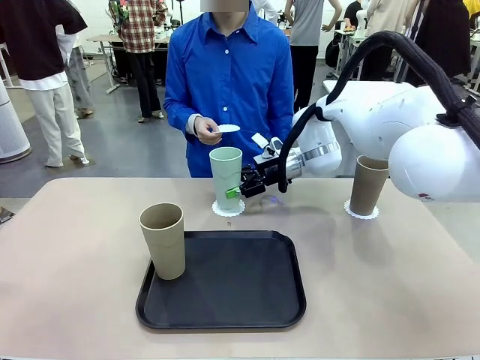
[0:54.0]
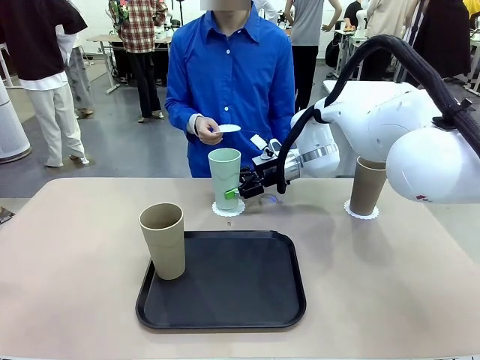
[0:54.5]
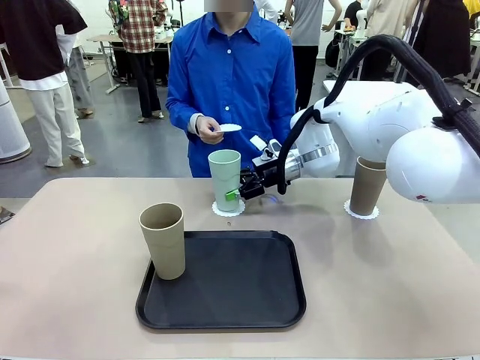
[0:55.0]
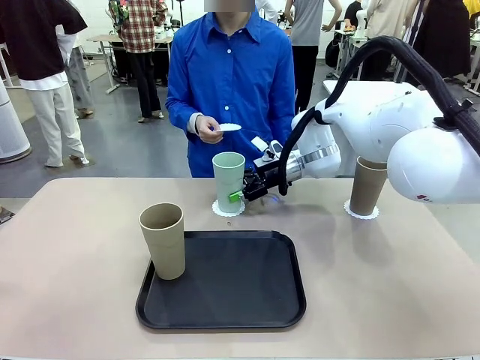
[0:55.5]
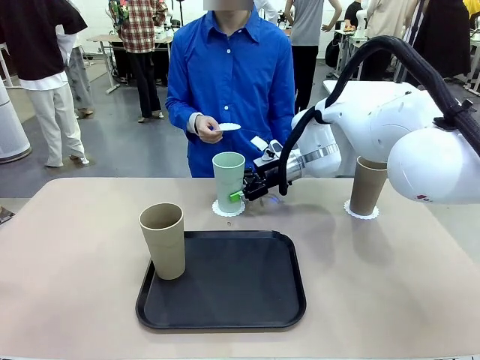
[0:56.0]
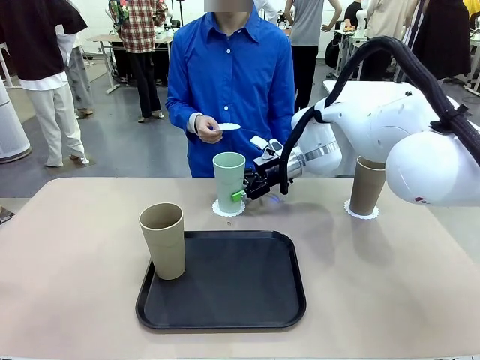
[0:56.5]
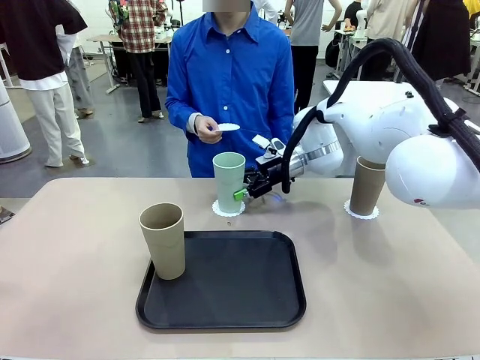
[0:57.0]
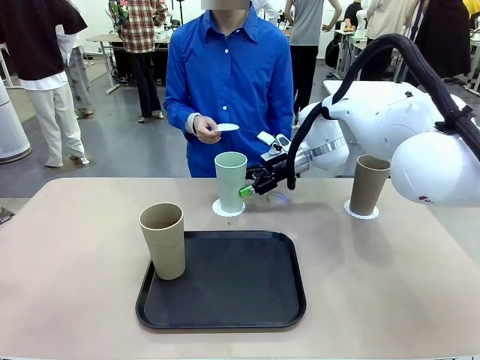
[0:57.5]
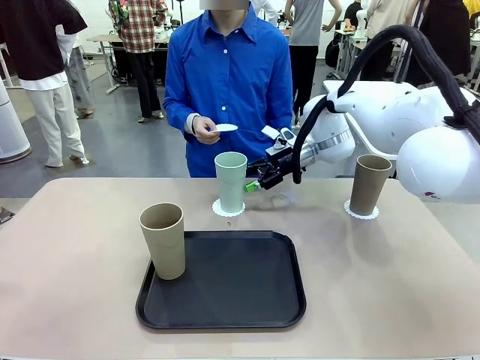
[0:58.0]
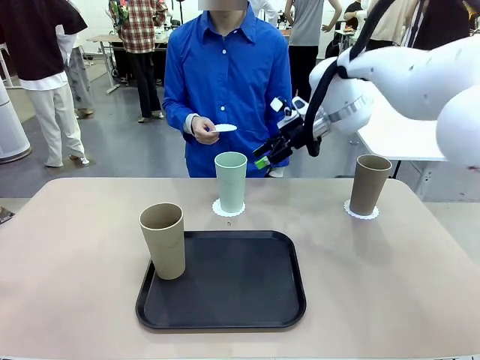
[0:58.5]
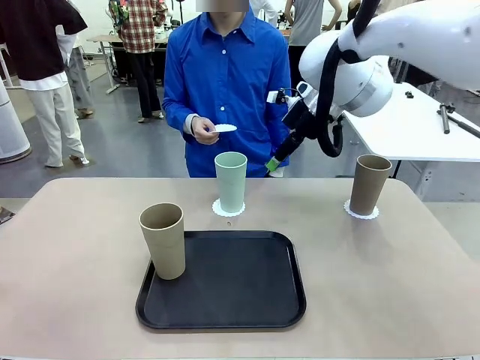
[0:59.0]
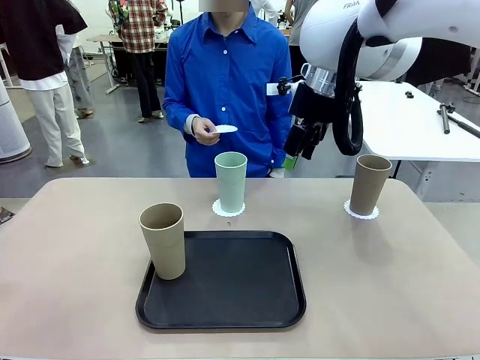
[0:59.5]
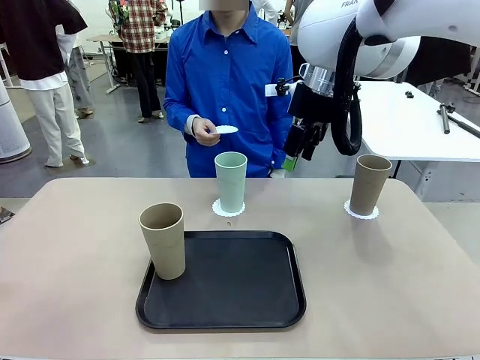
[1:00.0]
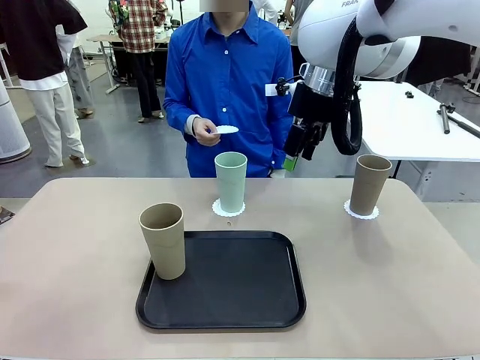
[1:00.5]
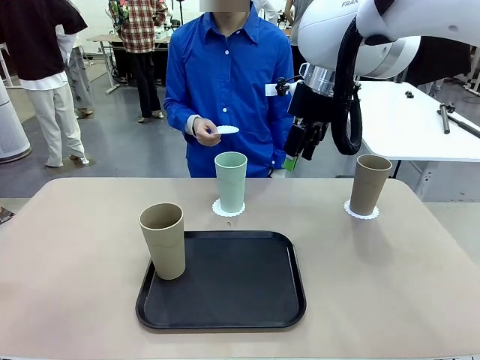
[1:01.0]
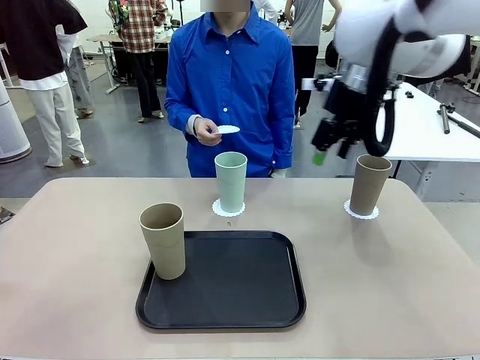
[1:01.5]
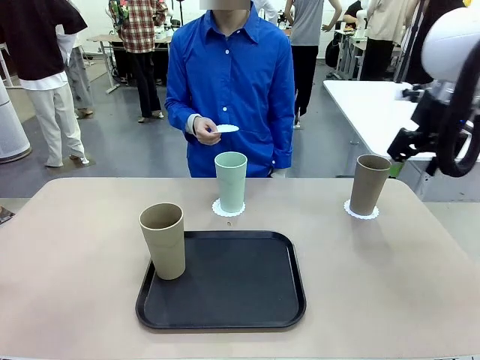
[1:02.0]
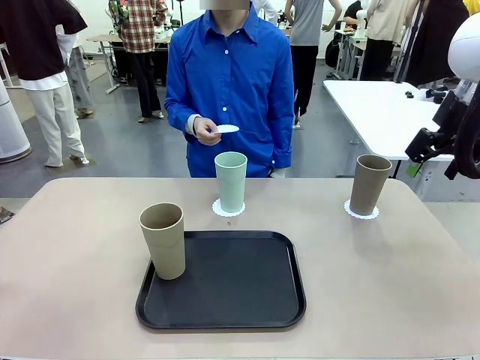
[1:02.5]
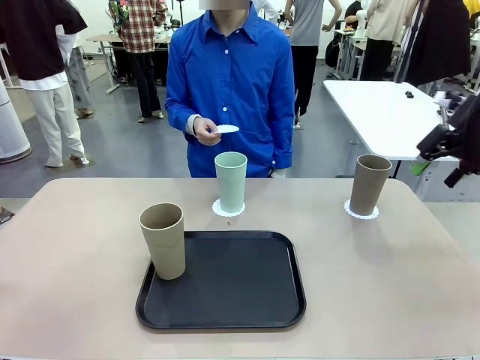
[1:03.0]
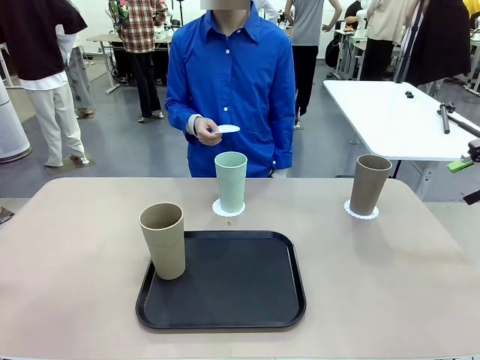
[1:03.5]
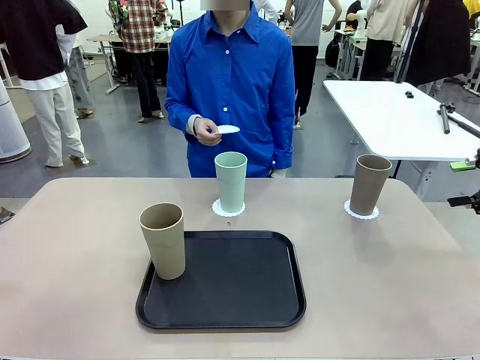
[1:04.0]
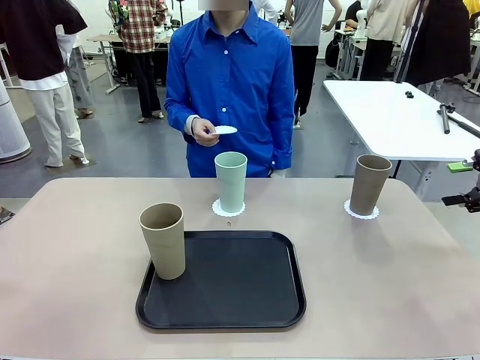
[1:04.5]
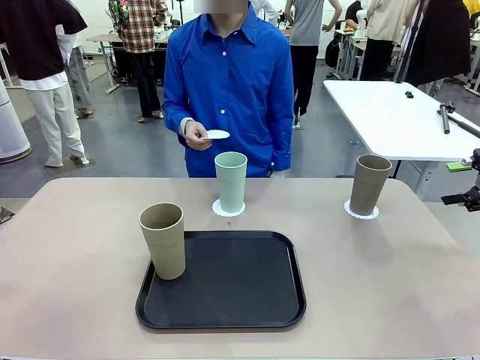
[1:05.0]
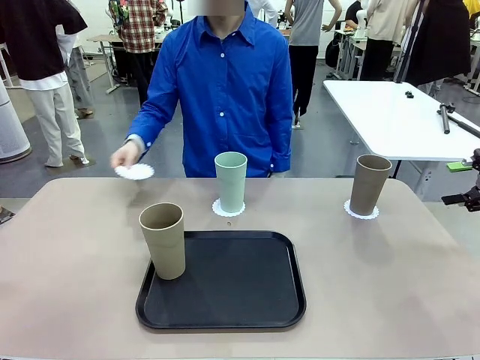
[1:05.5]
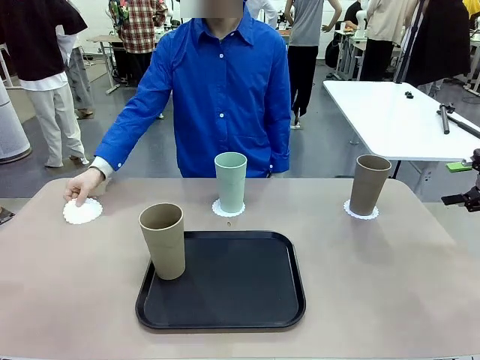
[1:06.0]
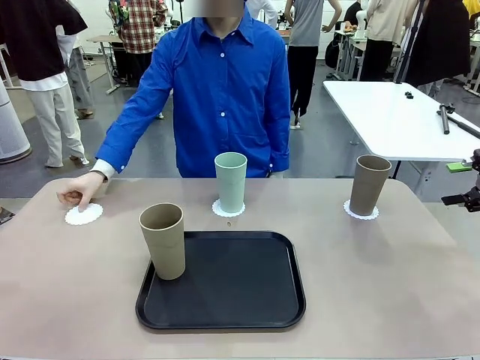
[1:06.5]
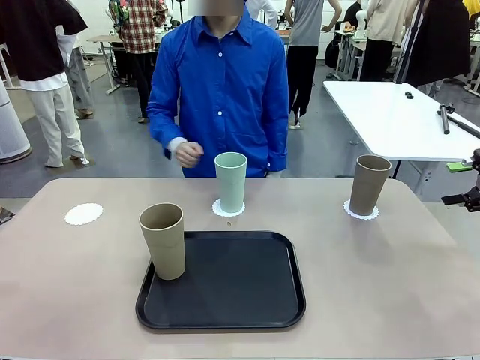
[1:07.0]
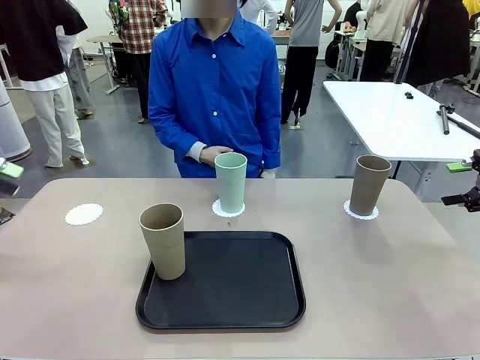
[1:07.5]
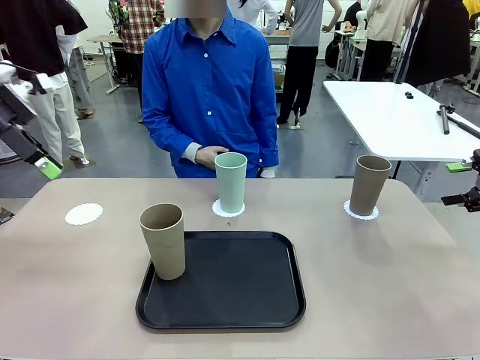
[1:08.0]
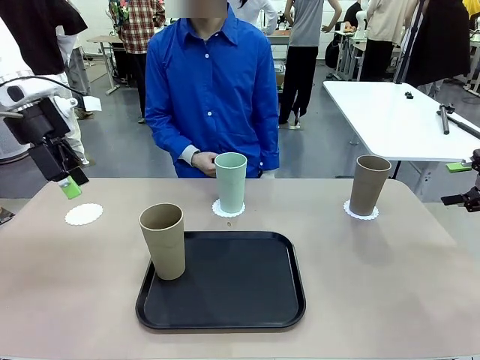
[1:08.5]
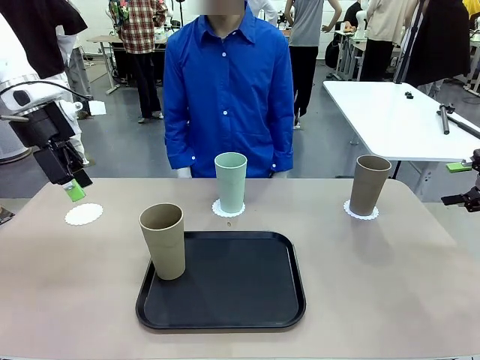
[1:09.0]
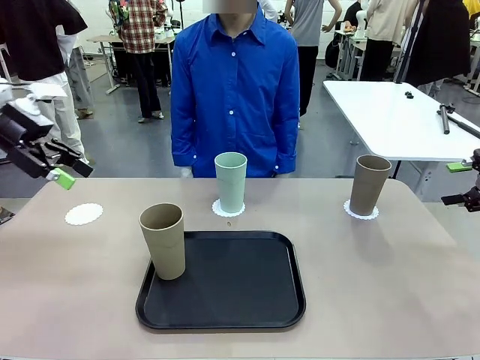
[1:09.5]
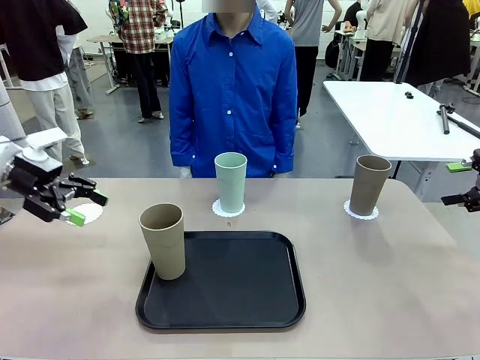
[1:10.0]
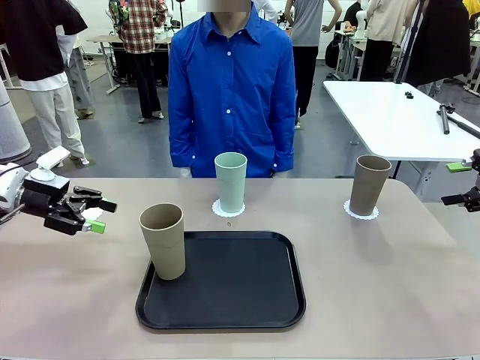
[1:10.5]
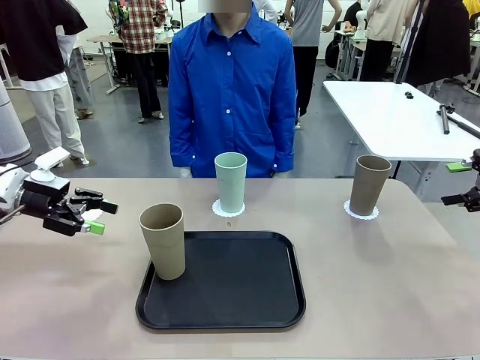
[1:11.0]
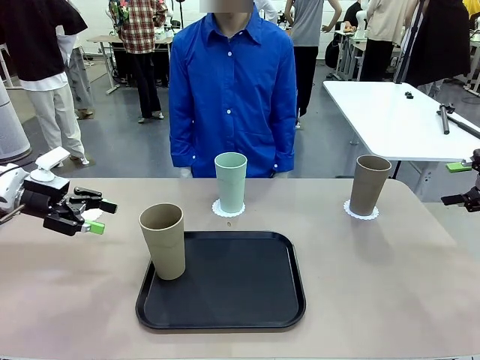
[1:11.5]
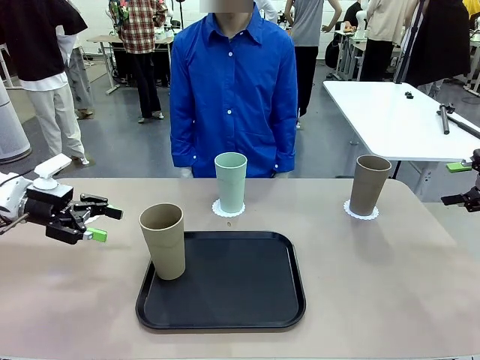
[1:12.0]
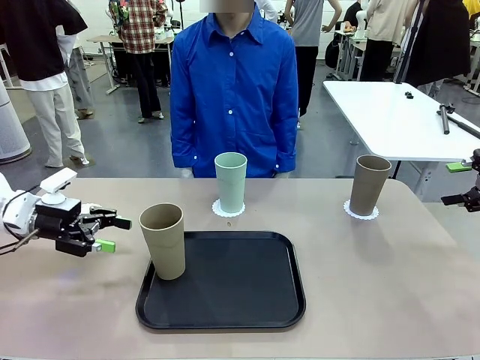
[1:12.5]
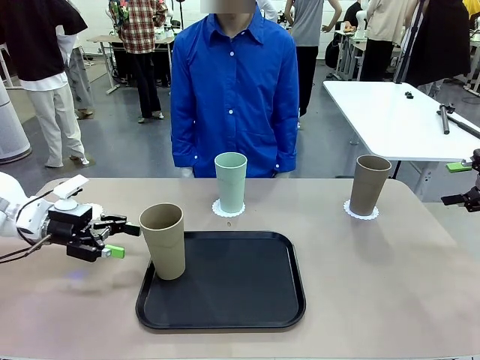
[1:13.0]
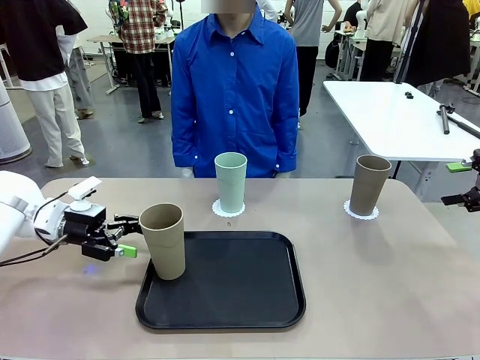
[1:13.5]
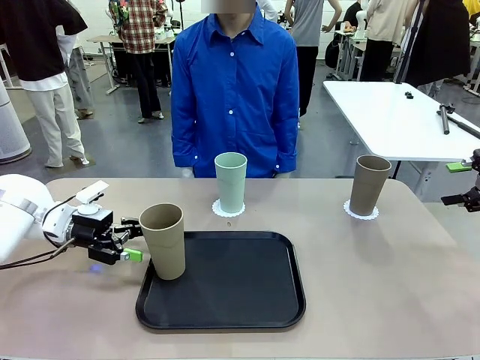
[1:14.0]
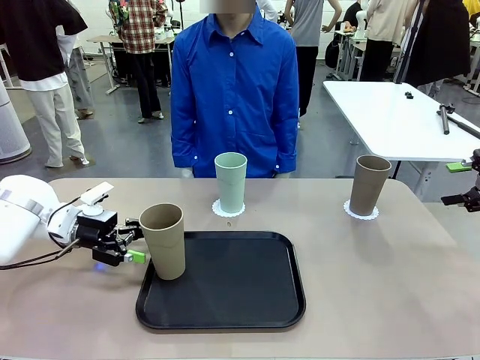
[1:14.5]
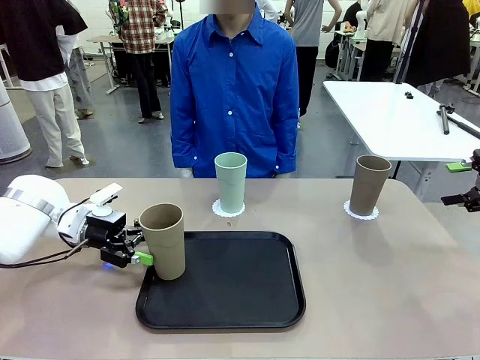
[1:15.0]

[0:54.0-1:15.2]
Task: Place coasters on the table and set cups on them.
Robot: Take one Reusable plastic cup from the Flat Tray and place it on a coaster set by the human.
